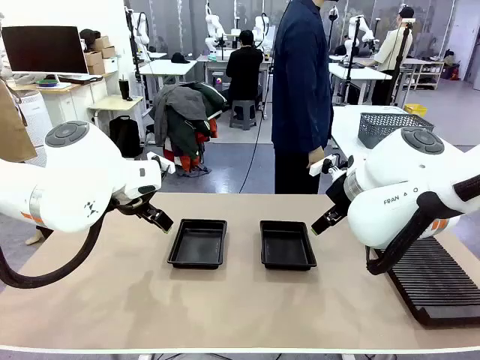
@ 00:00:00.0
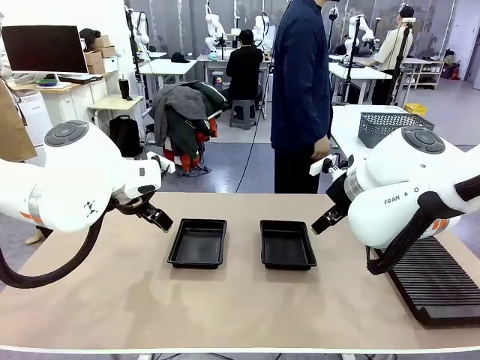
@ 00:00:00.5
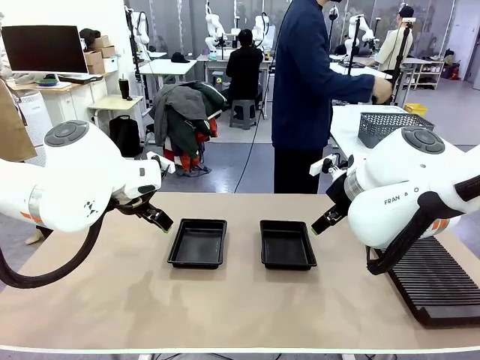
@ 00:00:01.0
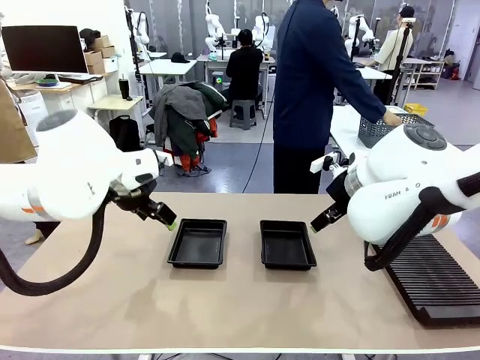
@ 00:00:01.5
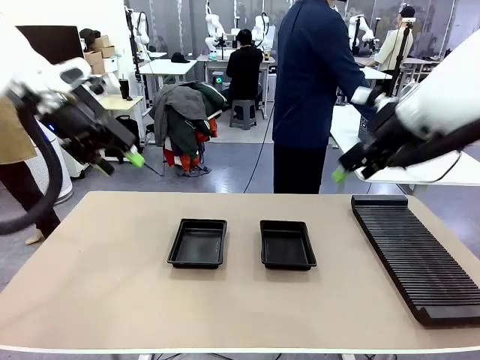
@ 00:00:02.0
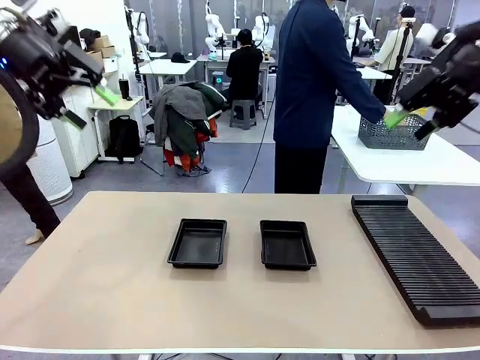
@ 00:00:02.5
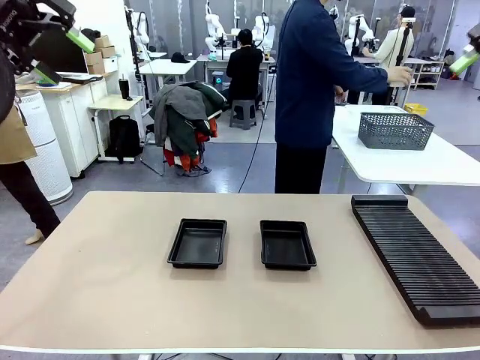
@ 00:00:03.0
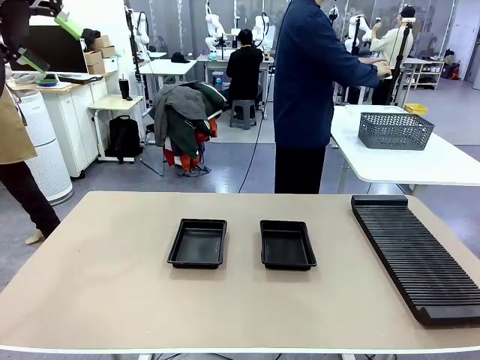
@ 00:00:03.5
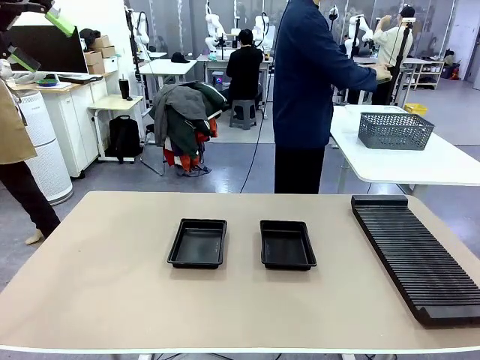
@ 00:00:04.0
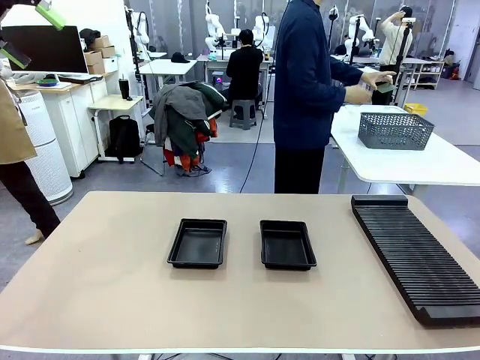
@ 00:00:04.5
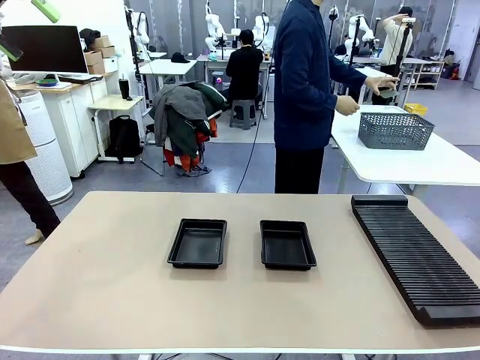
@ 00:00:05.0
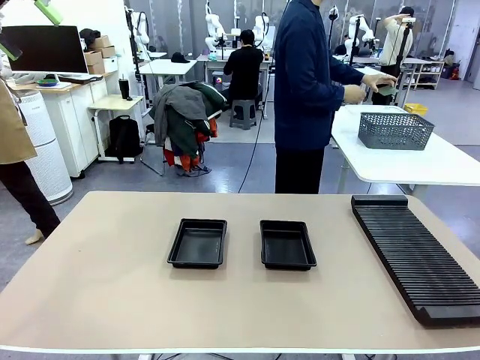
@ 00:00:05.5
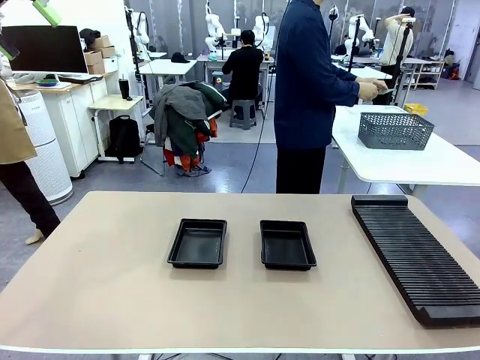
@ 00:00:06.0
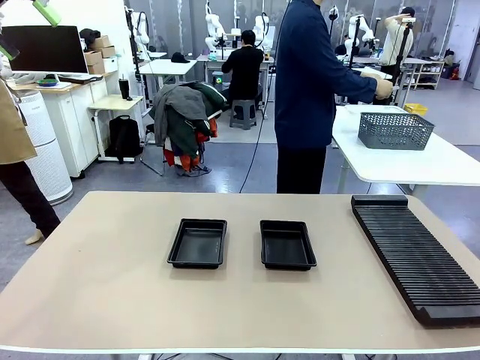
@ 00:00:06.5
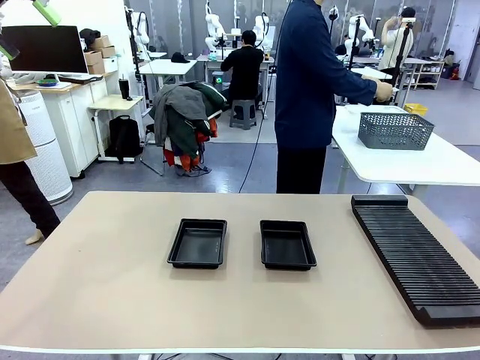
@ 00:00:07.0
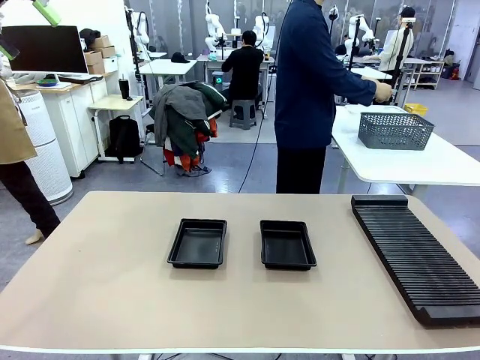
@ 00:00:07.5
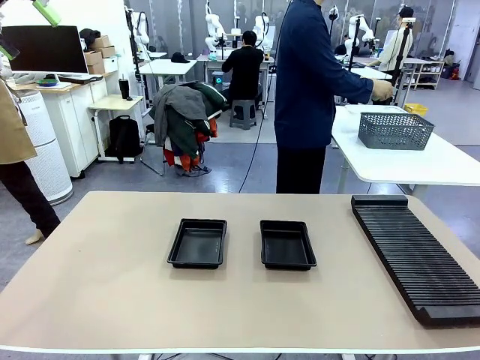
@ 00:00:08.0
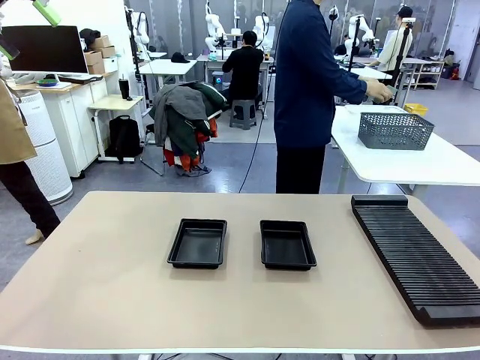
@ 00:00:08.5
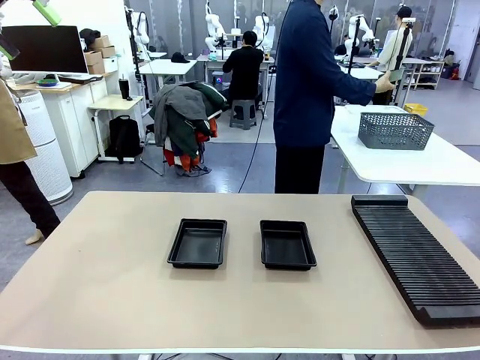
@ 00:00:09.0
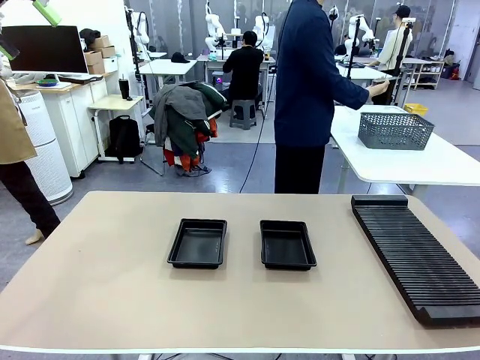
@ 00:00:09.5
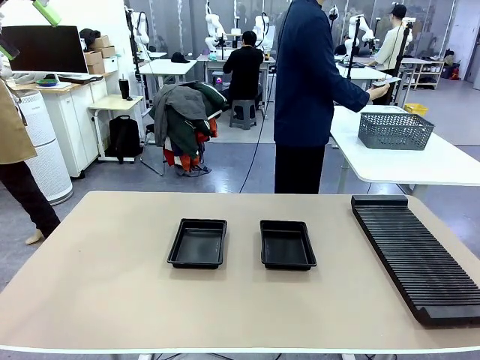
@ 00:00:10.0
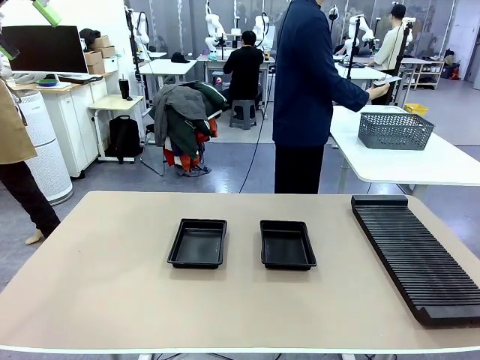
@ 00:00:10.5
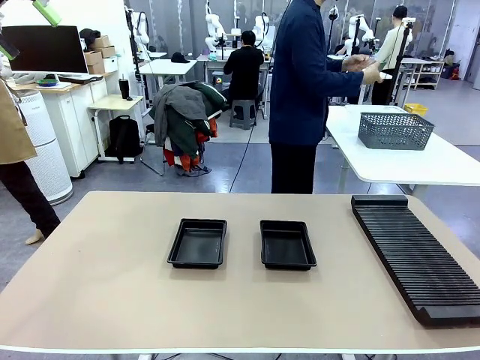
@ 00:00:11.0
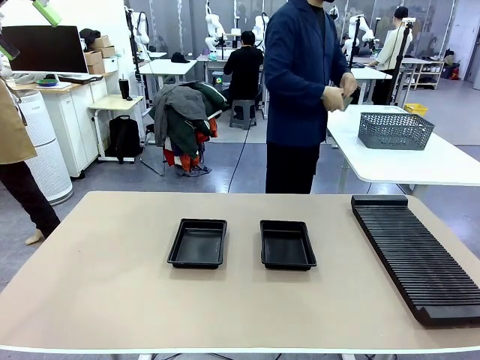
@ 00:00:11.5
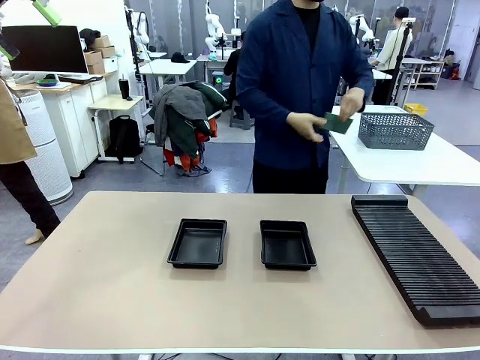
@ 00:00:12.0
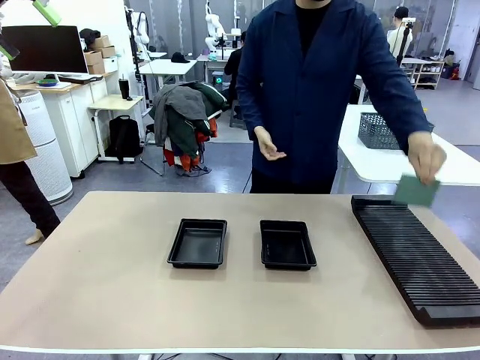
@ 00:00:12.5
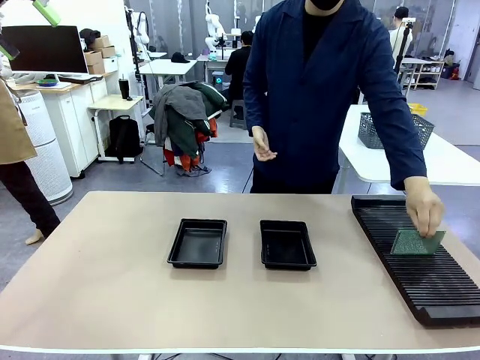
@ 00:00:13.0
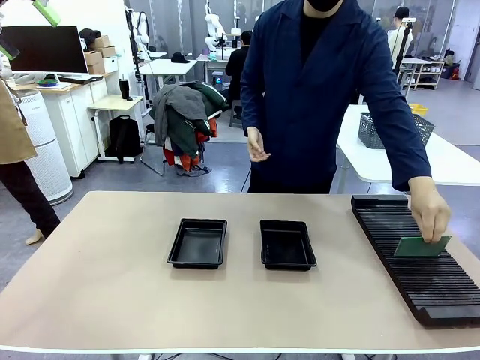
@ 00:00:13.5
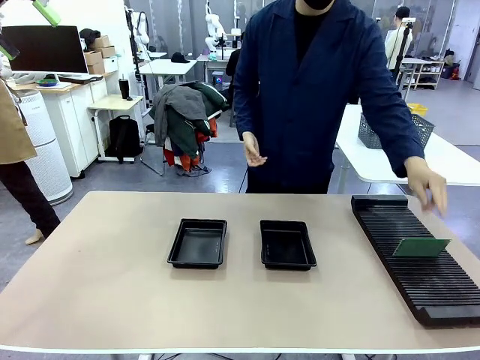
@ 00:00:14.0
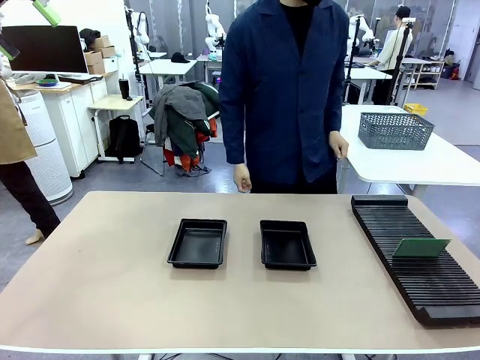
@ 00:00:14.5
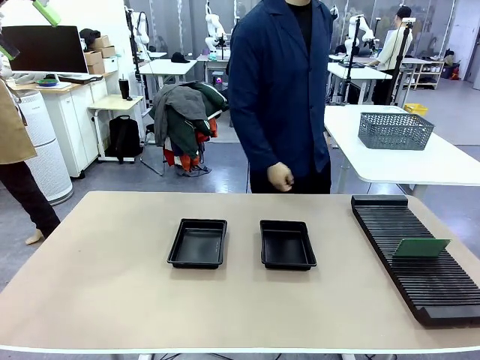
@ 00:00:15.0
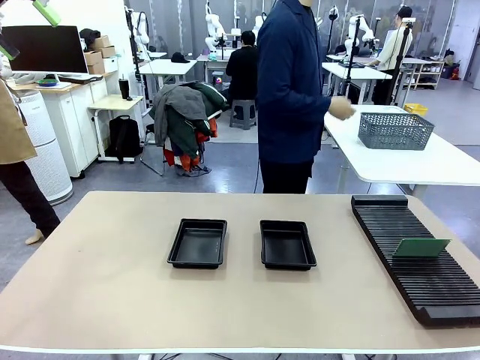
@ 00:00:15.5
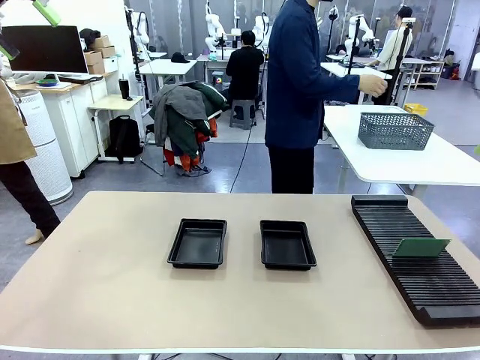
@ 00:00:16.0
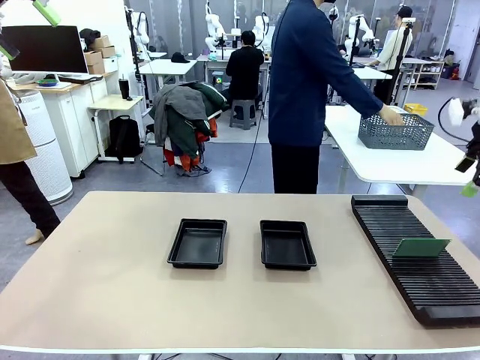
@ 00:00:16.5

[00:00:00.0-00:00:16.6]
Task: Inspect and transfer BCBs to ESD trays.
Robot: Pick up the Blank PCB from the PCB Rack and place it in the left ESD tray.
